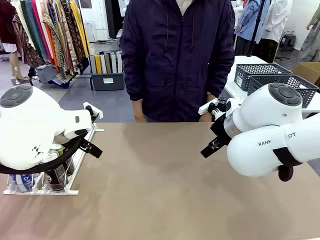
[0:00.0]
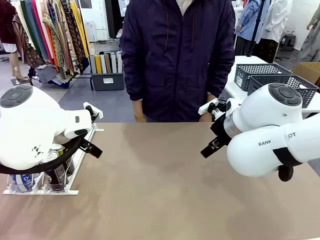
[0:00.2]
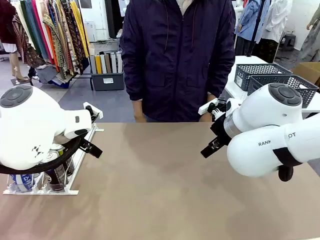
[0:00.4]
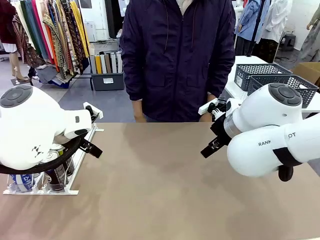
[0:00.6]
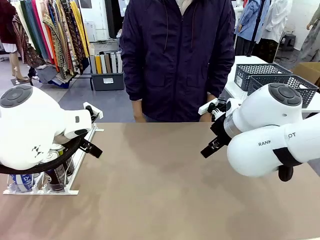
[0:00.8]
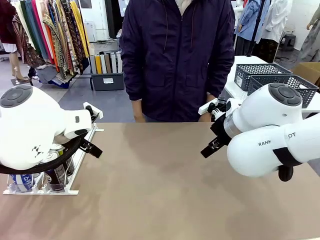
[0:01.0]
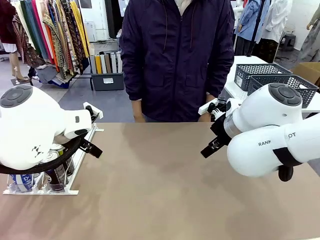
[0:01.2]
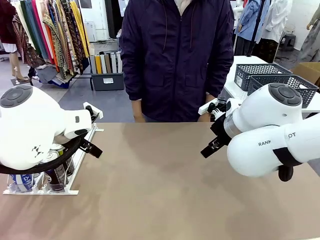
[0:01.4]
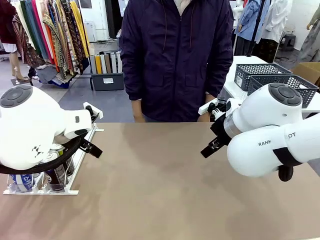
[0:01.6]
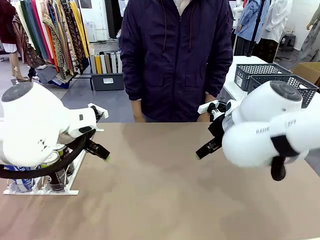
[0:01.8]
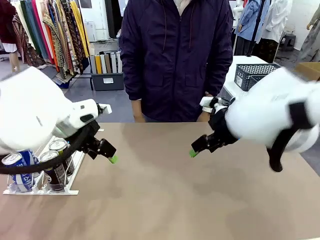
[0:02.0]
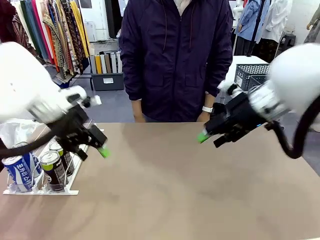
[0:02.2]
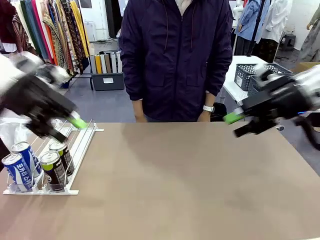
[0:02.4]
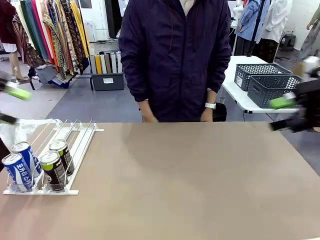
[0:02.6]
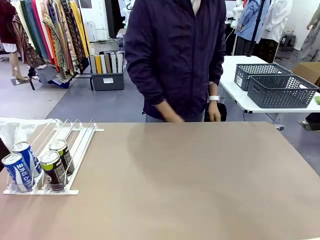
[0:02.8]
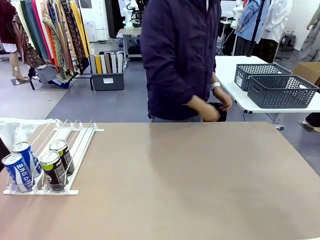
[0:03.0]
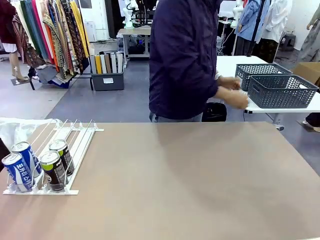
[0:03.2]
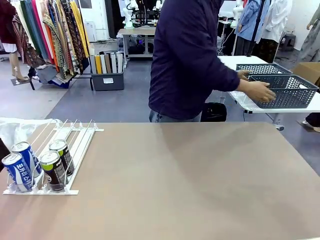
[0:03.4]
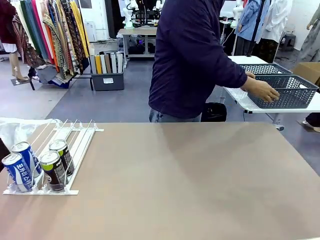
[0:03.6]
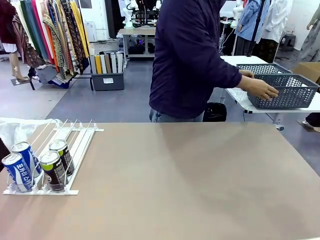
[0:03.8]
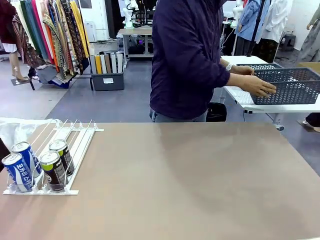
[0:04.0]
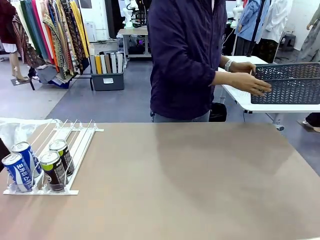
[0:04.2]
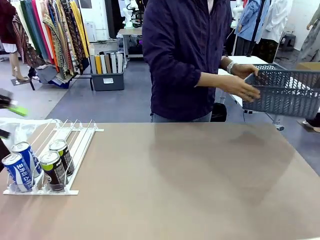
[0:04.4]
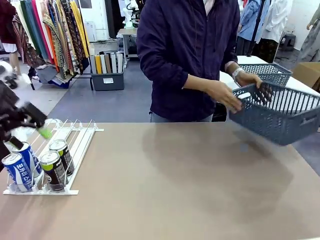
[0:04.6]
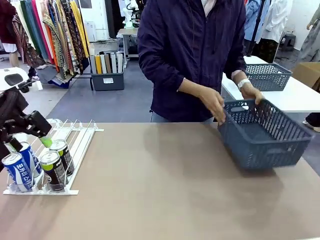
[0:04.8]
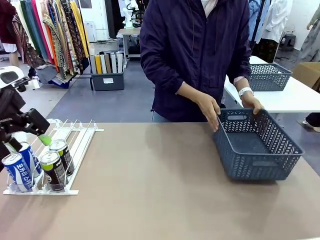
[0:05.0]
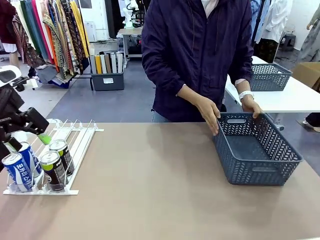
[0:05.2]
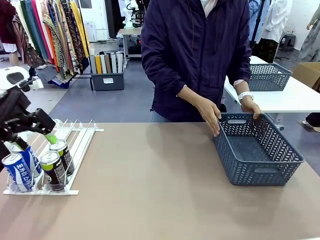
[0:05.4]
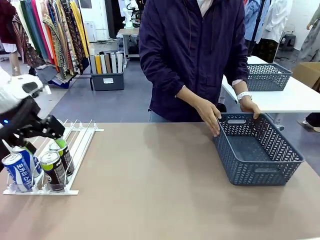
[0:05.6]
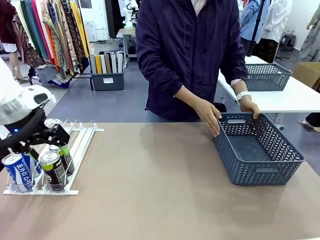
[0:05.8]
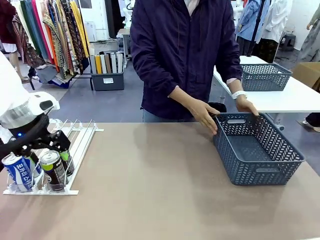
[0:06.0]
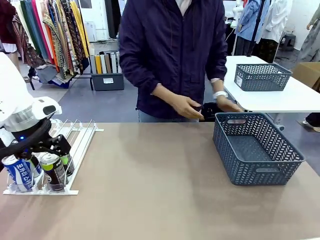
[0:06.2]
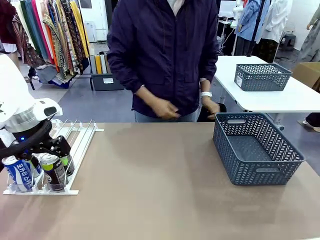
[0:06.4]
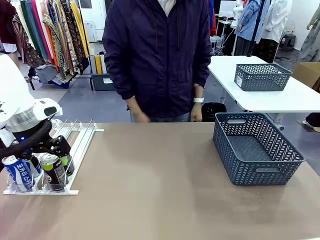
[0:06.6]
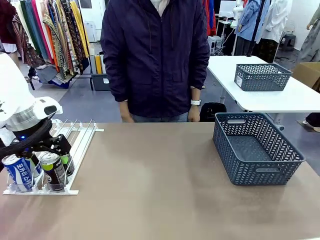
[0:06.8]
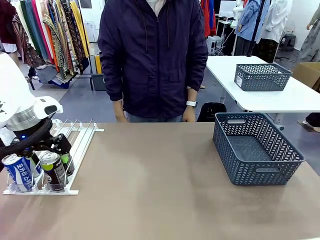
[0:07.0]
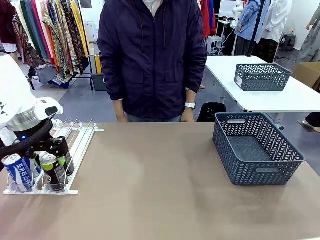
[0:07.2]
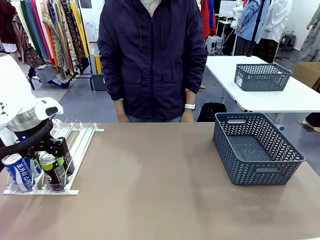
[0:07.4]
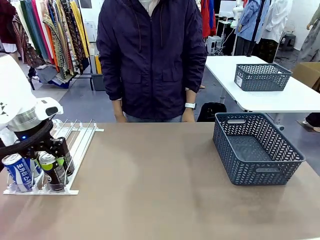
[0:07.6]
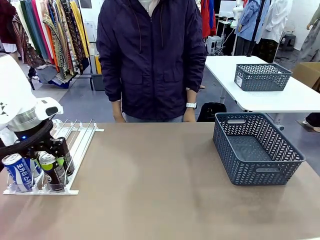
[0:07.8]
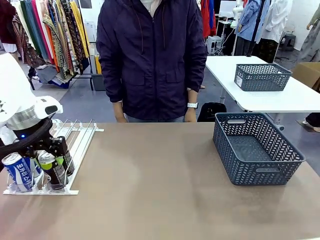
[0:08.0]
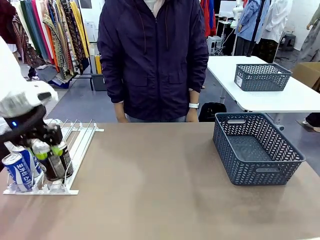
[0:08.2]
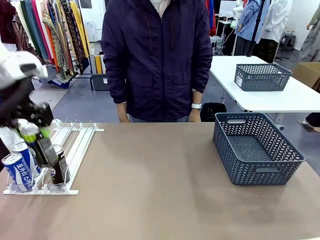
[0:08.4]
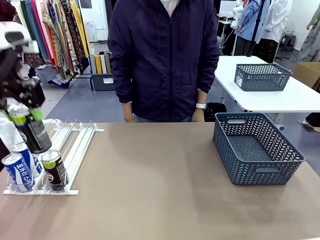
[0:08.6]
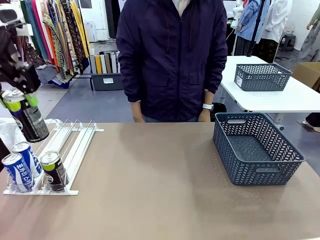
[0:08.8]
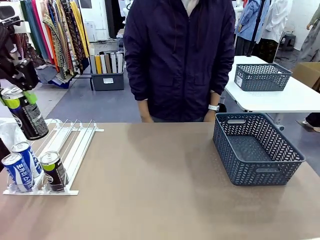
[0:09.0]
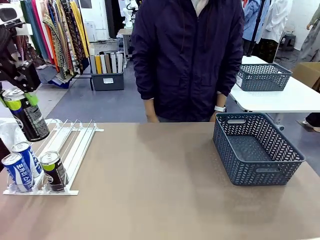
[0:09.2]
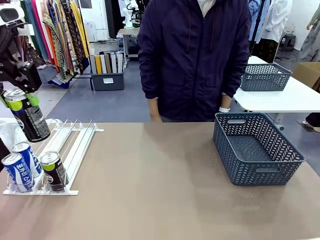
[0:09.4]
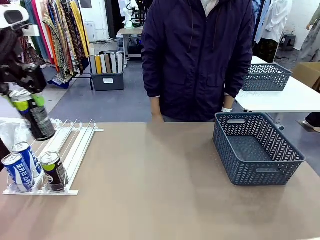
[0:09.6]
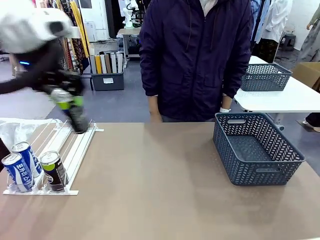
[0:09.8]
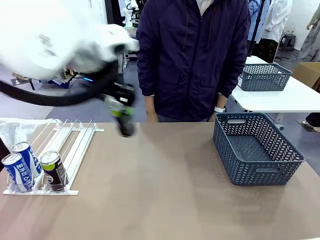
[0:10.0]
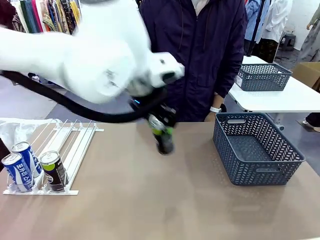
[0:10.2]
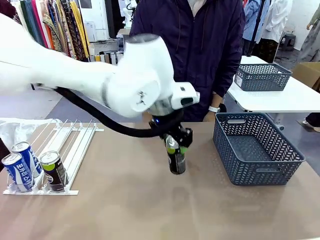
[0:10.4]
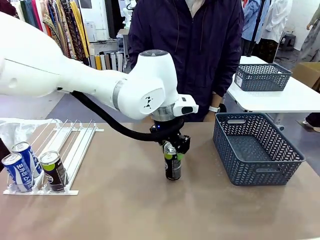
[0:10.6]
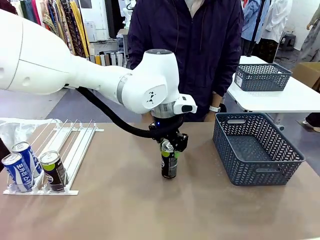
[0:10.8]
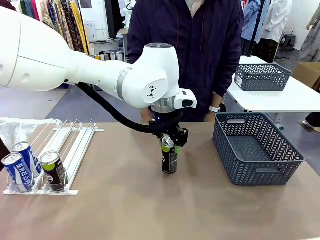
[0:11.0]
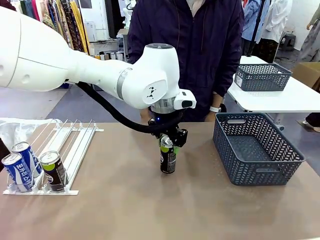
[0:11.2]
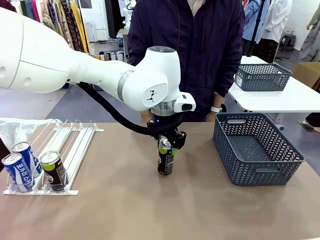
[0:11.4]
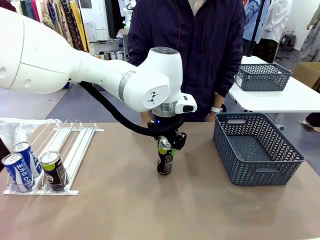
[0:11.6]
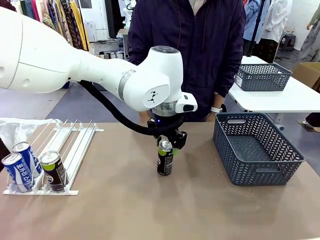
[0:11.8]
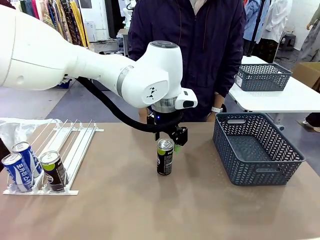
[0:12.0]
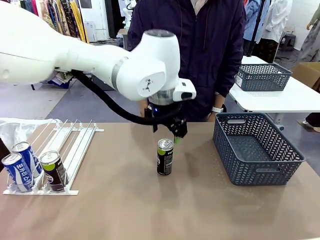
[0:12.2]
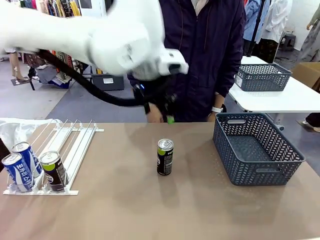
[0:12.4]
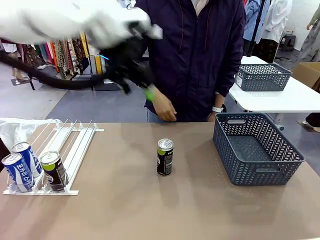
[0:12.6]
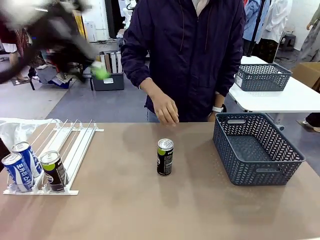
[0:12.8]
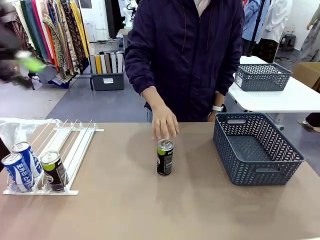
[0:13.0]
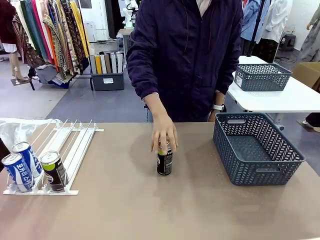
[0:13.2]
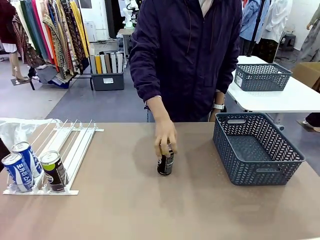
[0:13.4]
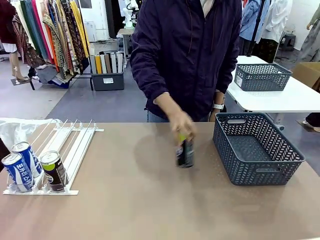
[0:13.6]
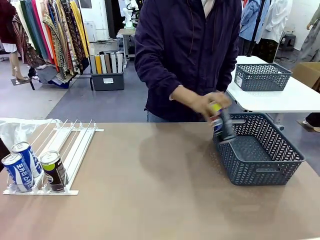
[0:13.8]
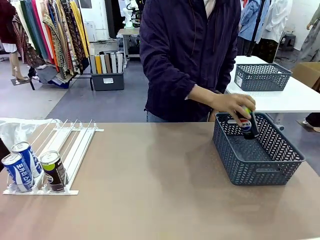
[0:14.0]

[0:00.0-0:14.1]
Task: Retrieve and store the cans from the dispenser.
Robot: Pick up one can from the Automatic Can Dispenser and place it in the middle of the table.
Person: Pick up the basket and place it on the left side of the robot table.

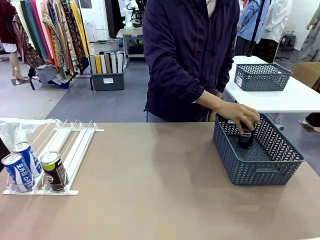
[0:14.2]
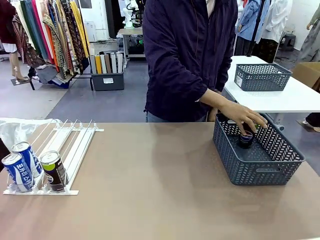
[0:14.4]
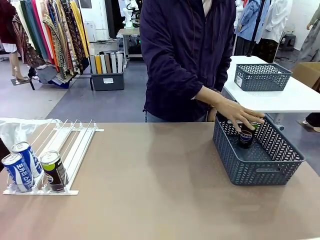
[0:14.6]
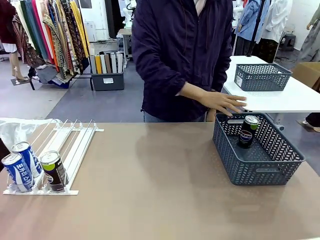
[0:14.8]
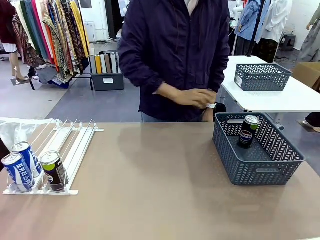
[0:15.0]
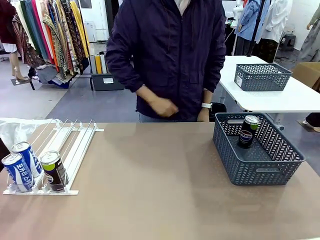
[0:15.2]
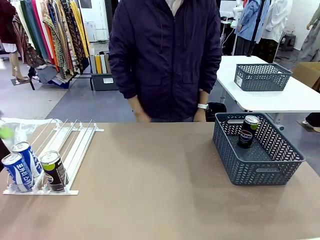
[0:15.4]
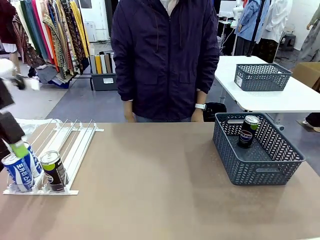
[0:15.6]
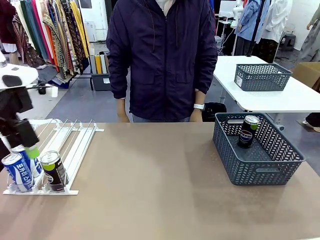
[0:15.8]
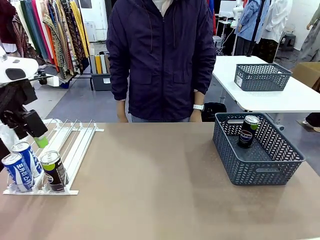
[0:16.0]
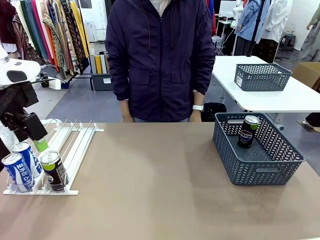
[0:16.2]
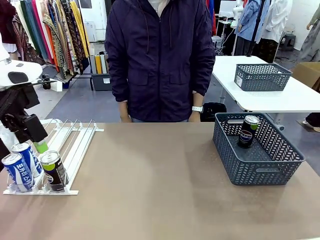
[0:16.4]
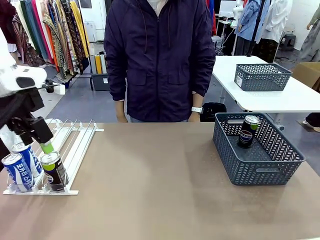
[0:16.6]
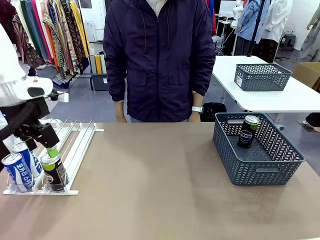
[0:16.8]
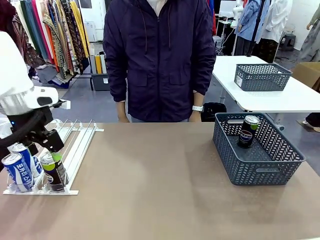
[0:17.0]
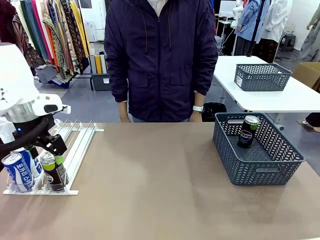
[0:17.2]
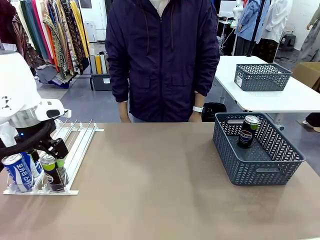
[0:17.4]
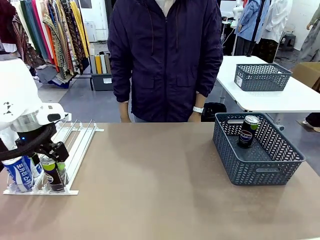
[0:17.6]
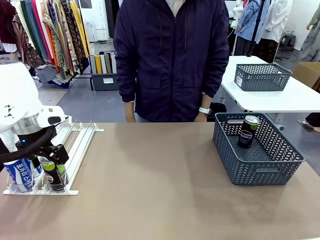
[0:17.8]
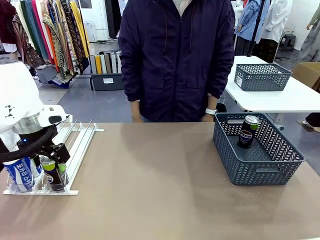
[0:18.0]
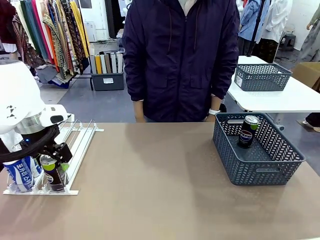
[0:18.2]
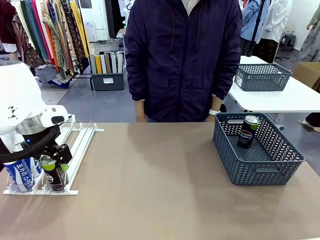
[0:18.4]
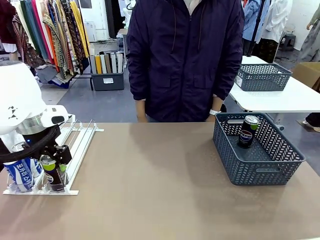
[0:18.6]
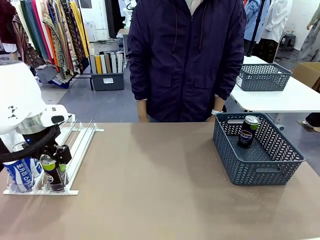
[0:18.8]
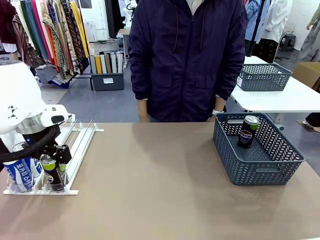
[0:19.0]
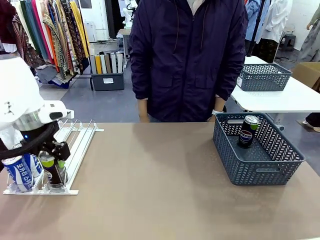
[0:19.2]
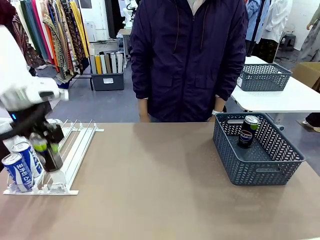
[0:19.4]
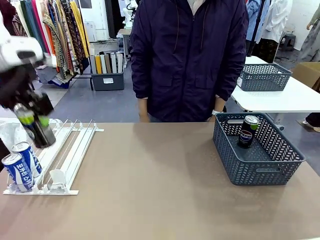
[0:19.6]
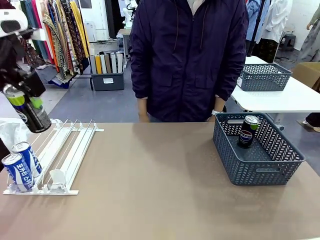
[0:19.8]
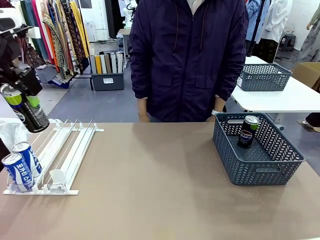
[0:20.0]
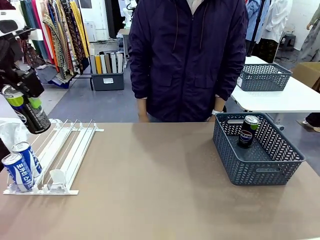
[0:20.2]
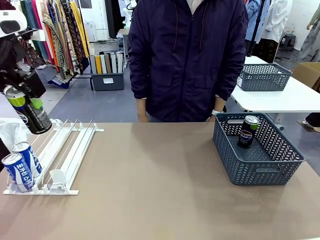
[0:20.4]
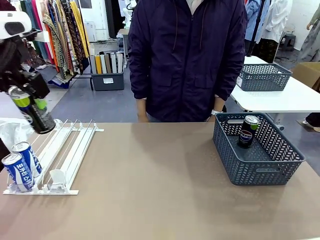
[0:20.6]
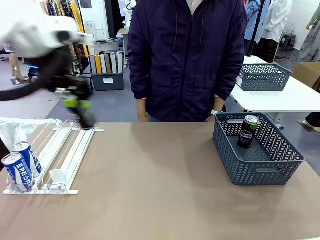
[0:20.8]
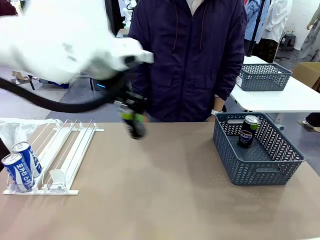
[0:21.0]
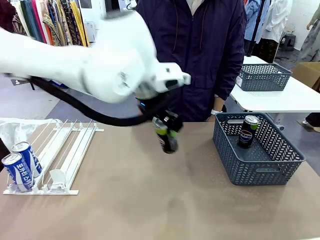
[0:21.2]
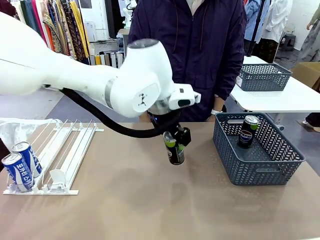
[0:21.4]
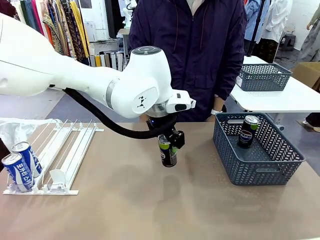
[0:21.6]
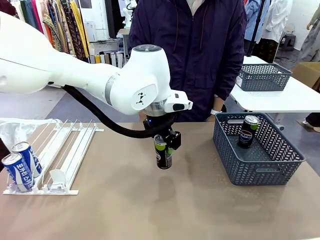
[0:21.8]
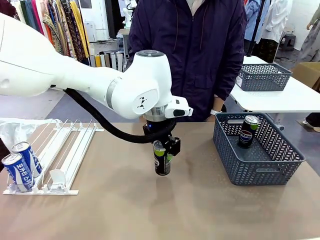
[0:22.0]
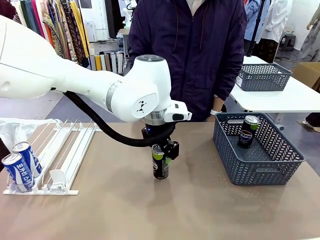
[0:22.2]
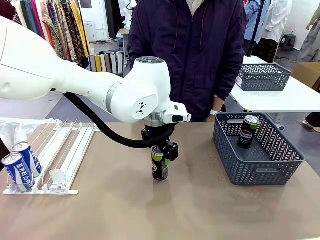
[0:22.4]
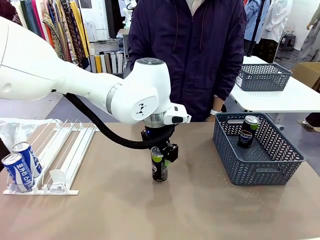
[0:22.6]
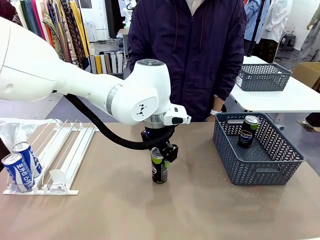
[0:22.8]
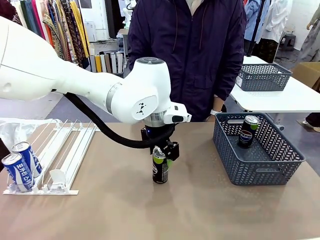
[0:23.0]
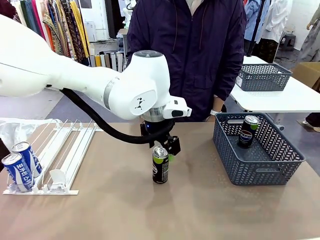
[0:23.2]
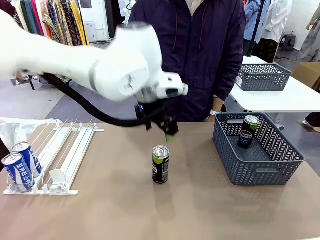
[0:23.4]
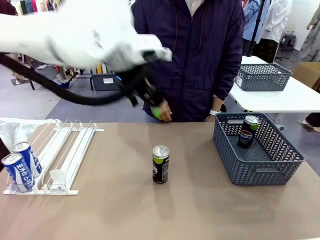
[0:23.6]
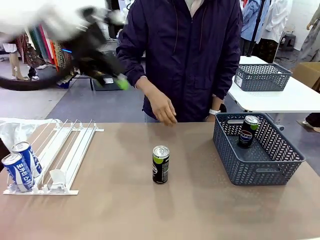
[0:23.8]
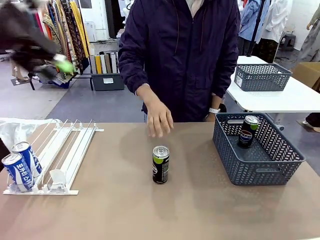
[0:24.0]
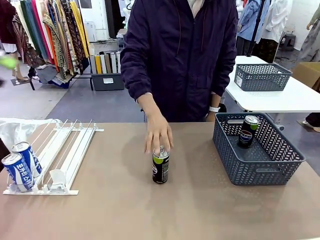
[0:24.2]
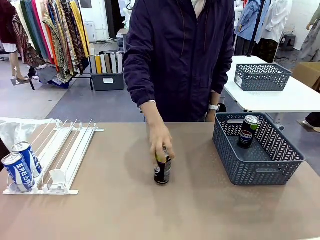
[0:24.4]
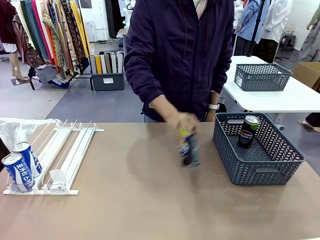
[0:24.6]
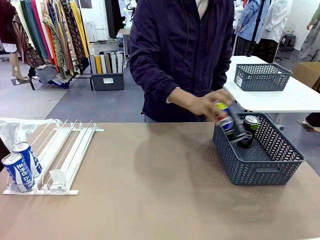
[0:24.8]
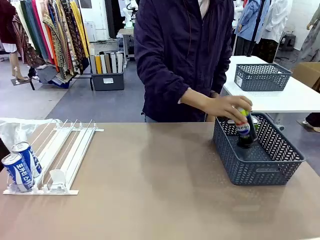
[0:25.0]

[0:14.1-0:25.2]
Robot: Pick up the last remaining can from one row of the Automatic Can Dispenser and place it in the middle of the table.
Person: Pick up one Pepsi can from the middle of the robot table and place it in the basket.
